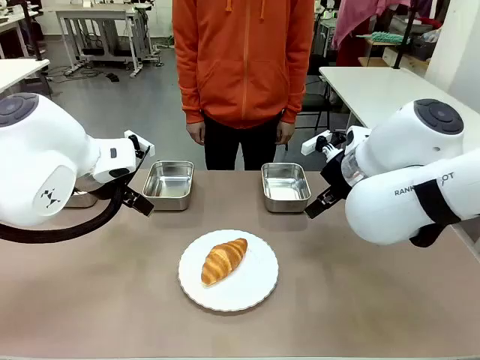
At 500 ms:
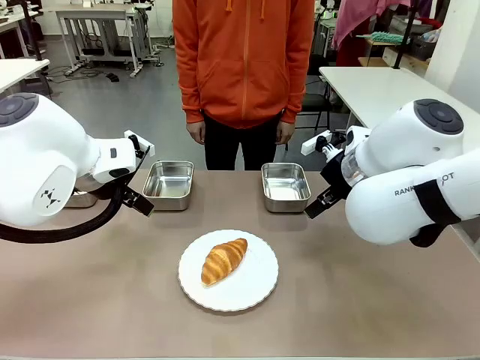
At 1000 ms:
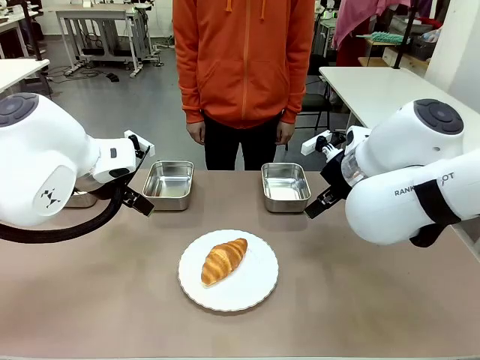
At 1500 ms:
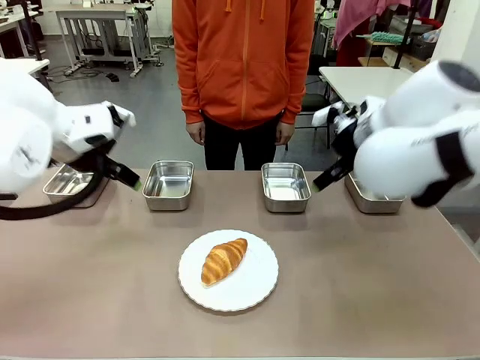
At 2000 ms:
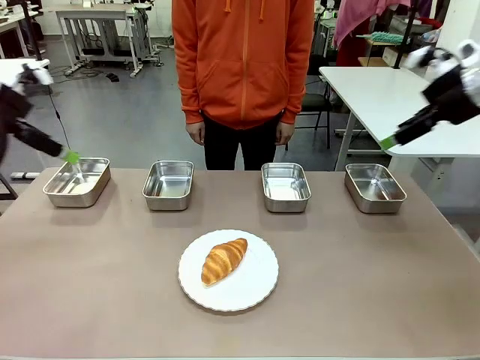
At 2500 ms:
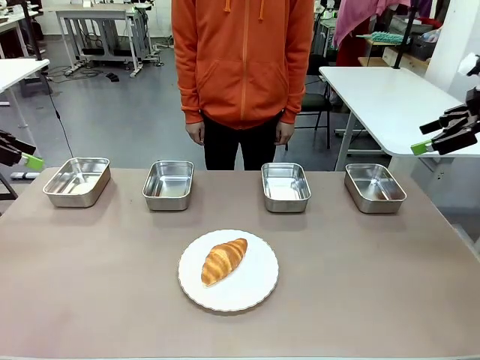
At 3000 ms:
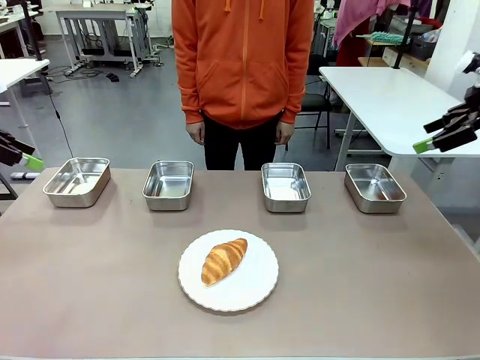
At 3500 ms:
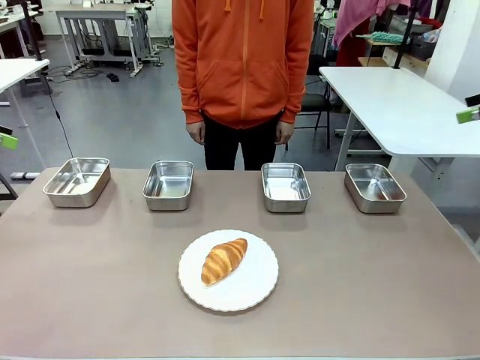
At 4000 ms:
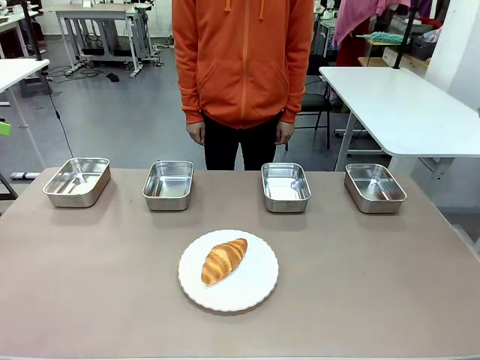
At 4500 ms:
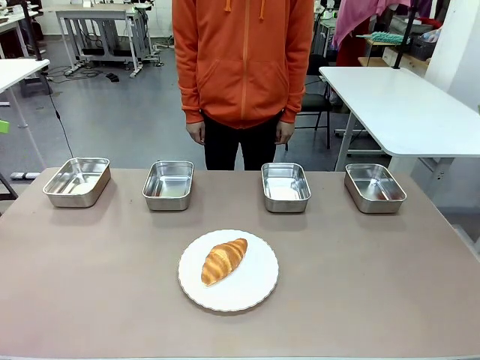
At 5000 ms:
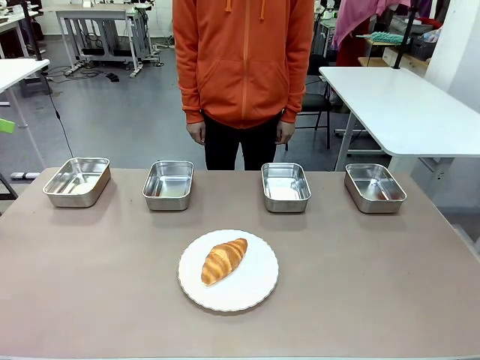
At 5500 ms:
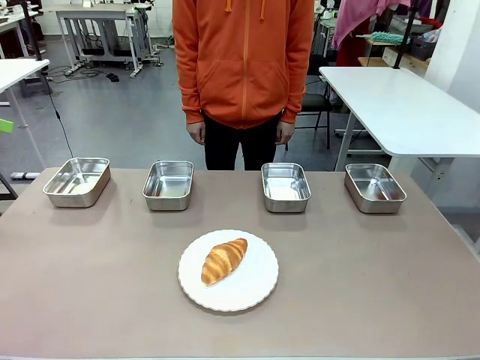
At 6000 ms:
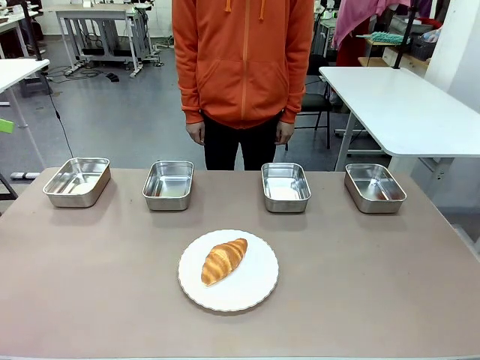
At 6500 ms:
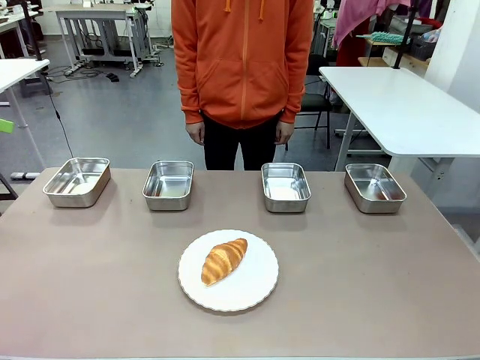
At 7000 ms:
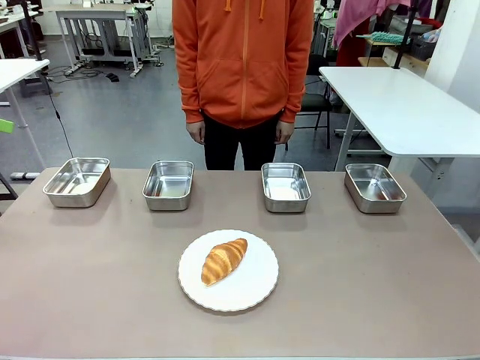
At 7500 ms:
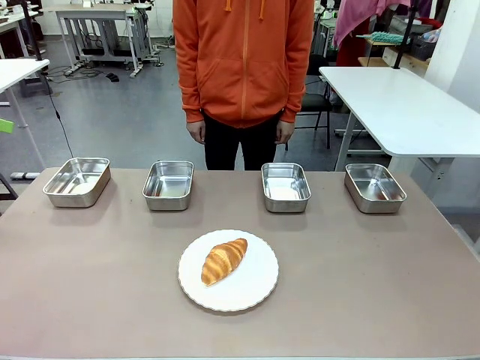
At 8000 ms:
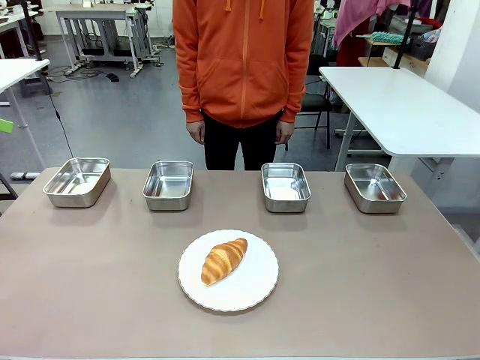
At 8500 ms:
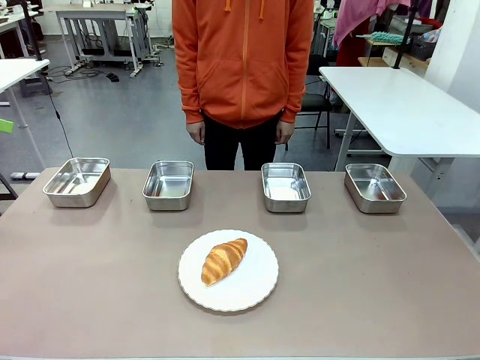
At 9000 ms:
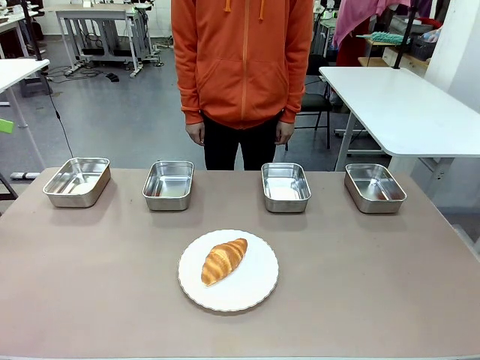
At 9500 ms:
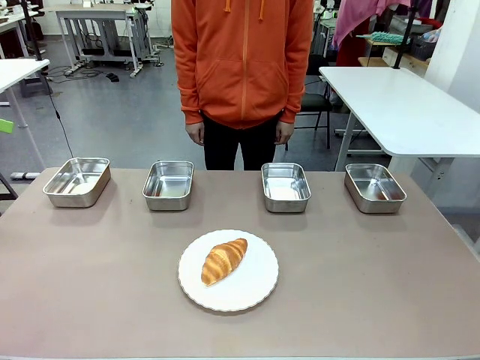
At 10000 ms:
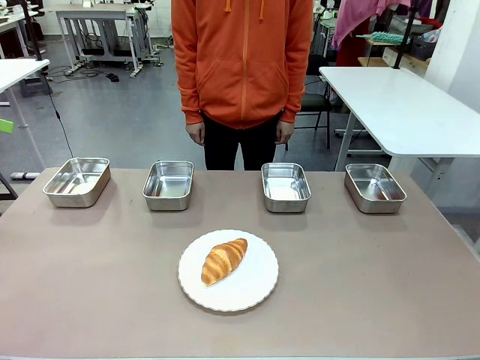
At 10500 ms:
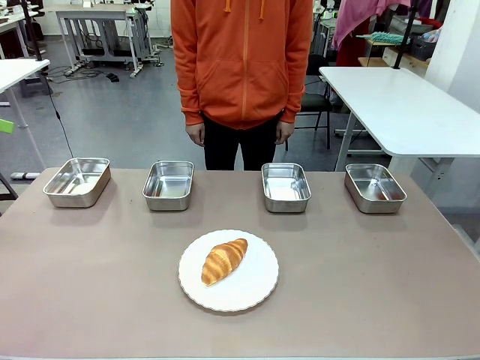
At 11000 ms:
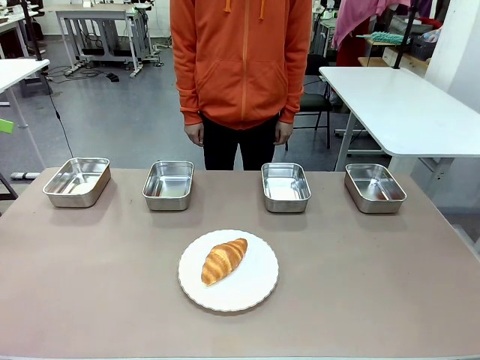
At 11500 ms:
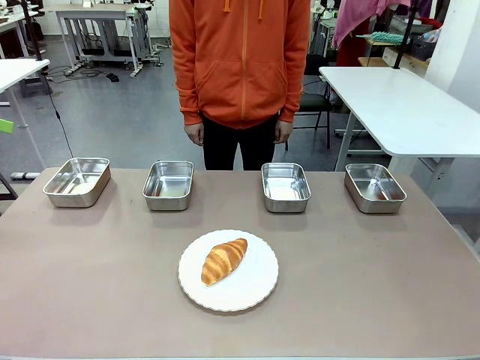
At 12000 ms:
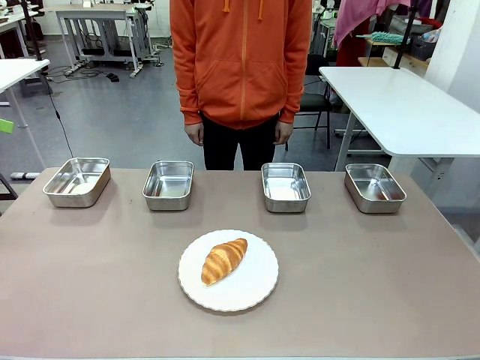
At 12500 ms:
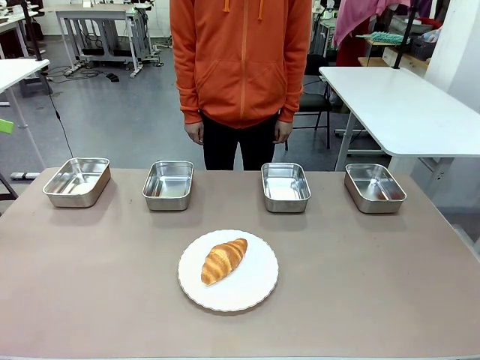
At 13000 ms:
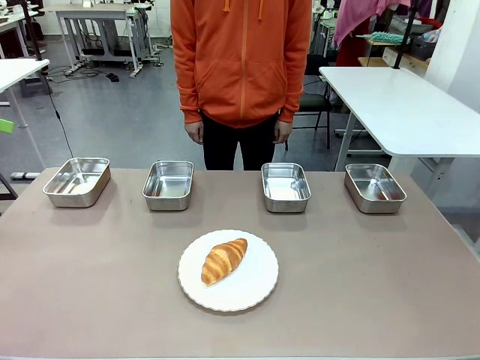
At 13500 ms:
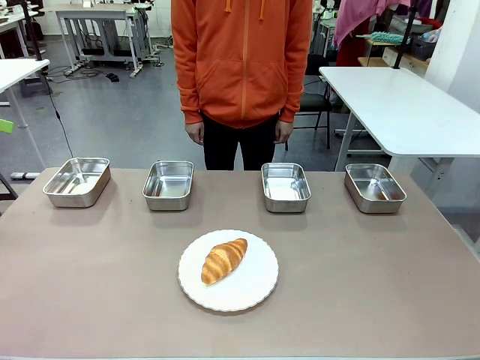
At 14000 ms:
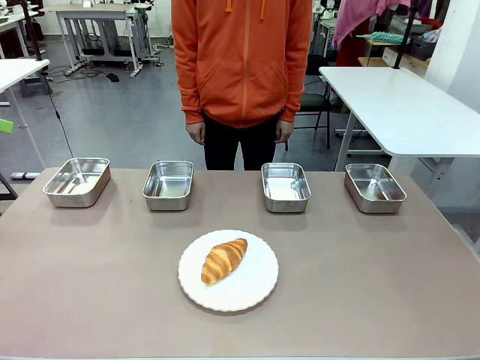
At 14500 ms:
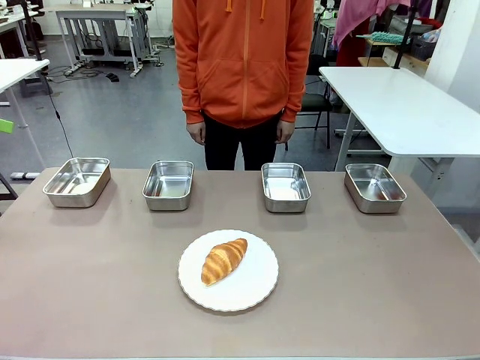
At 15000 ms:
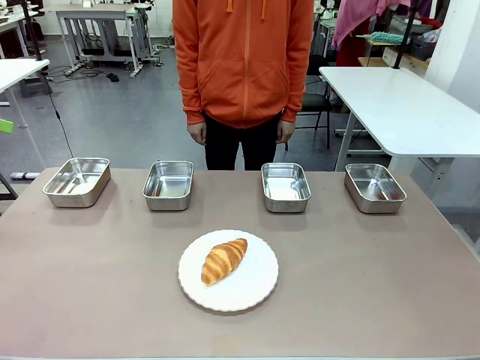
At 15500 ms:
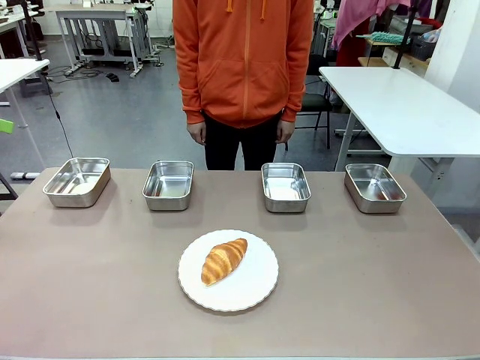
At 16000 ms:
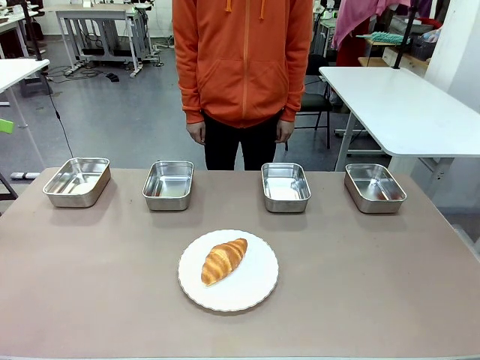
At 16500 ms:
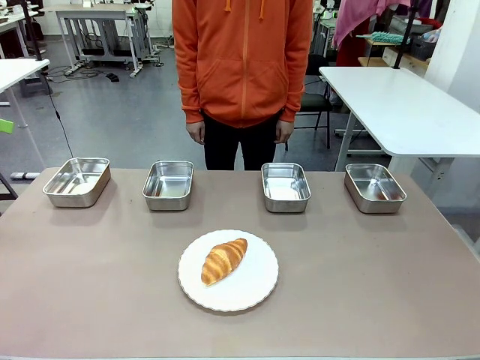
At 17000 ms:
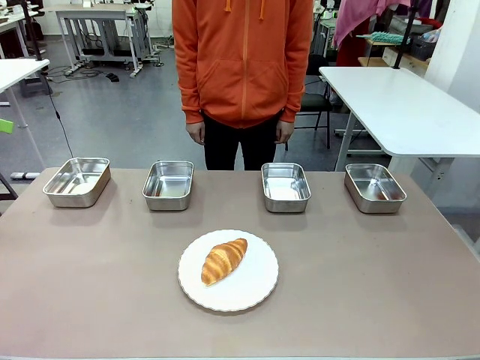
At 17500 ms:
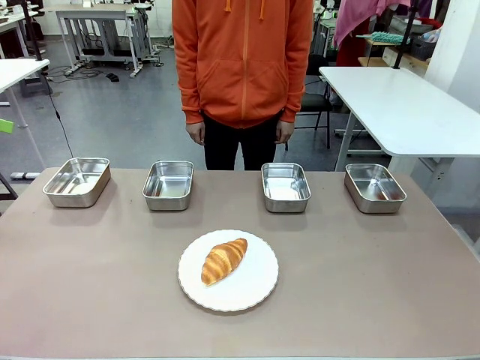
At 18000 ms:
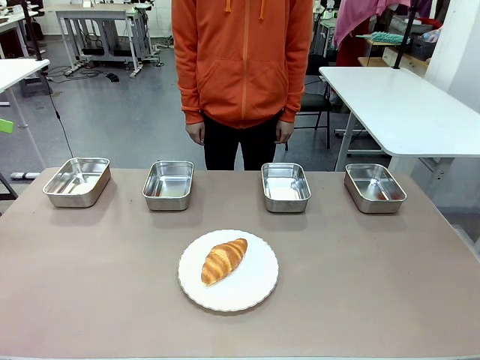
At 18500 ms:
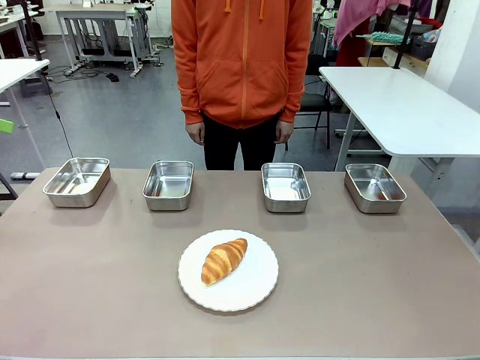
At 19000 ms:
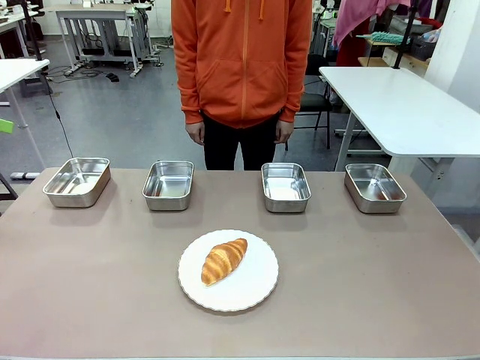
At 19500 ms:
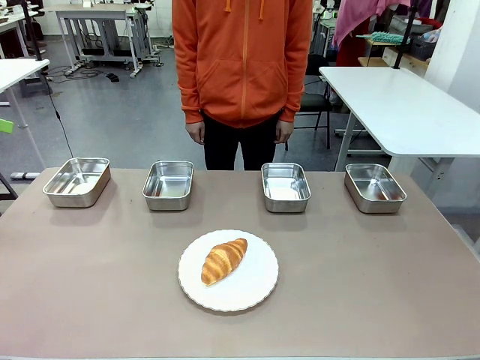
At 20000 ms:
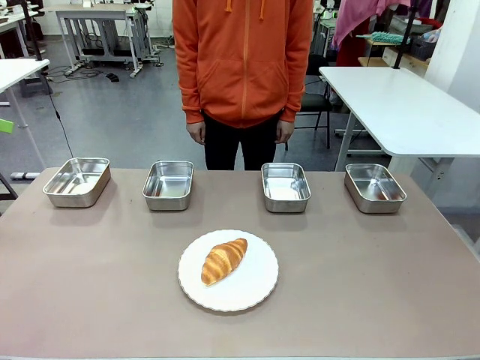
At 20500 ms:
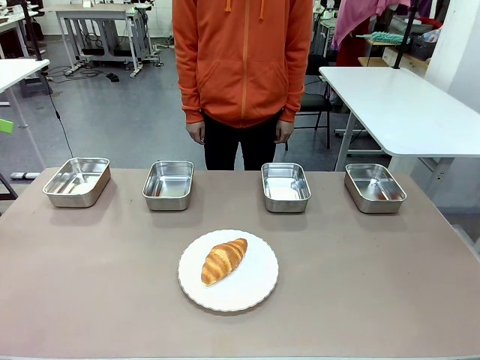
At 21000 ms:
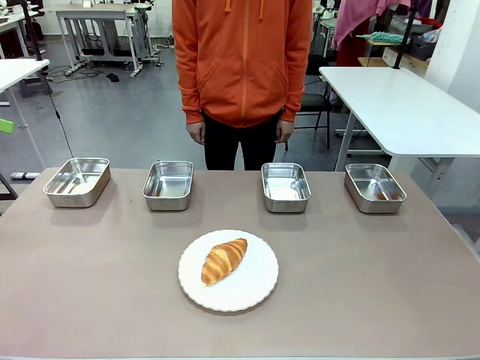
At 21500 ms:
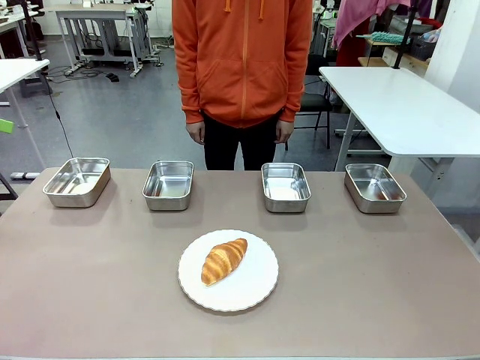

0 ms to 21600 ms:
Task: Place the bread in the container.
Robot: Place the Butter Roll into the Airtight Container indicated by the human.
